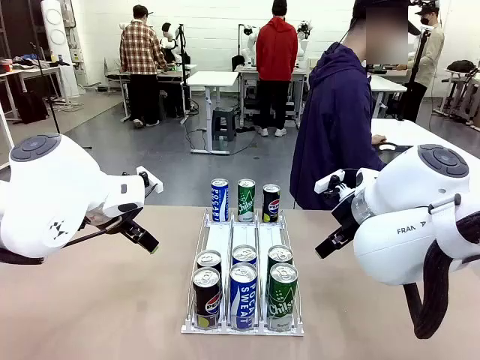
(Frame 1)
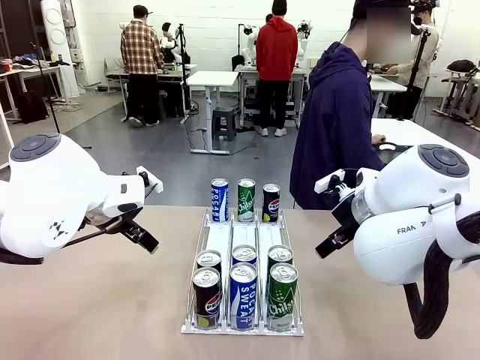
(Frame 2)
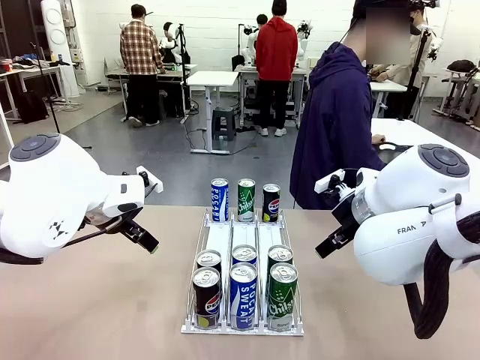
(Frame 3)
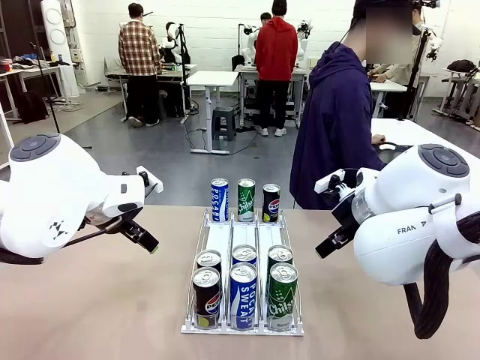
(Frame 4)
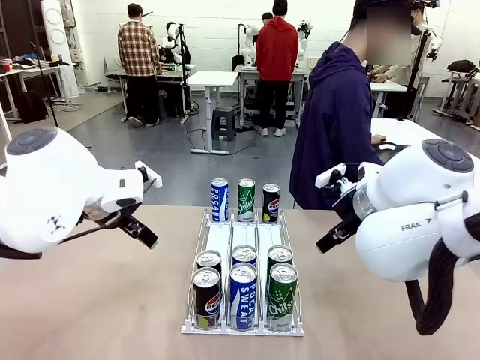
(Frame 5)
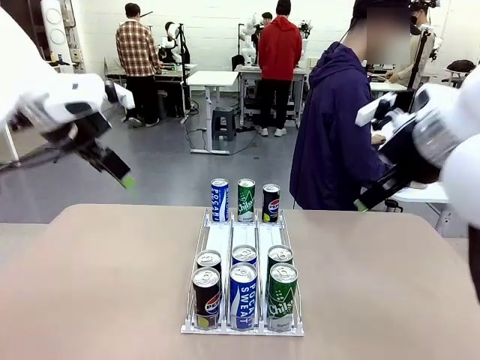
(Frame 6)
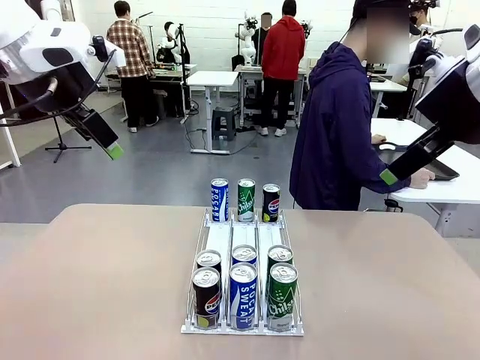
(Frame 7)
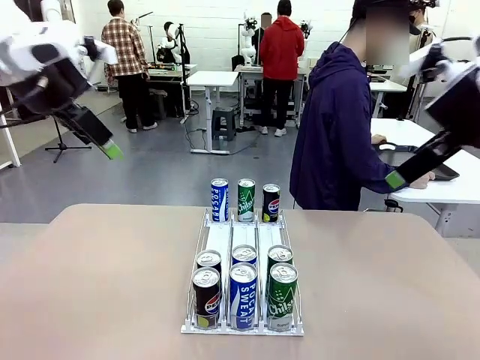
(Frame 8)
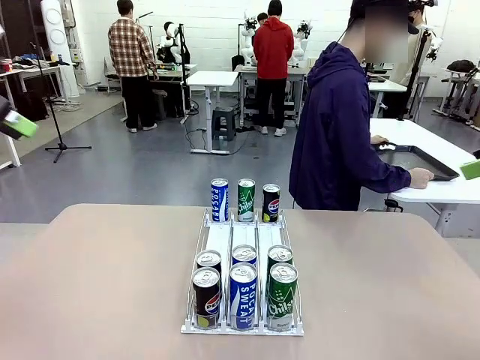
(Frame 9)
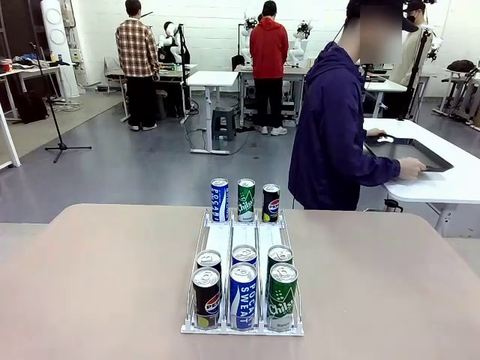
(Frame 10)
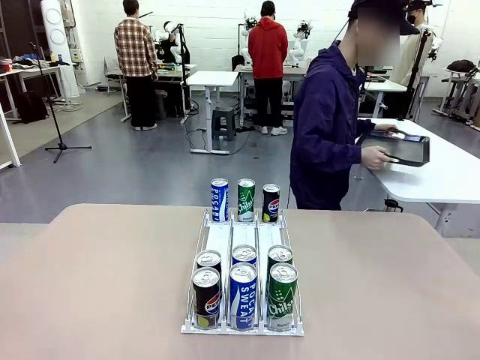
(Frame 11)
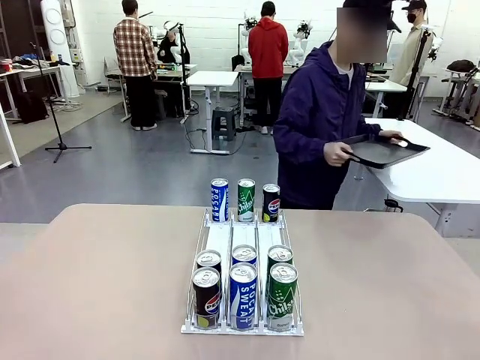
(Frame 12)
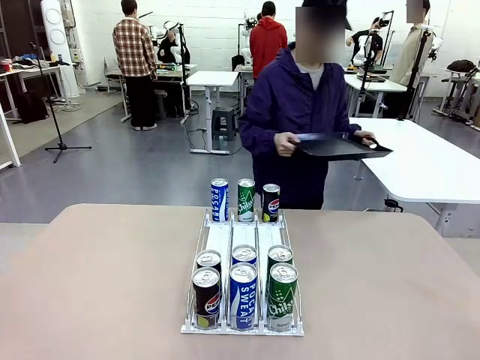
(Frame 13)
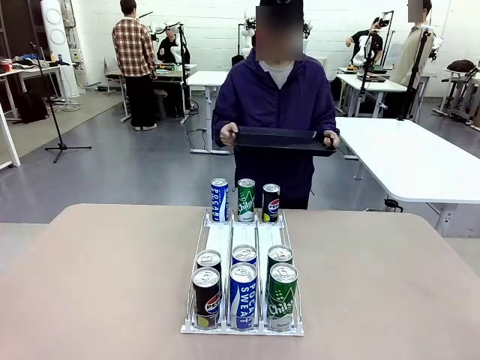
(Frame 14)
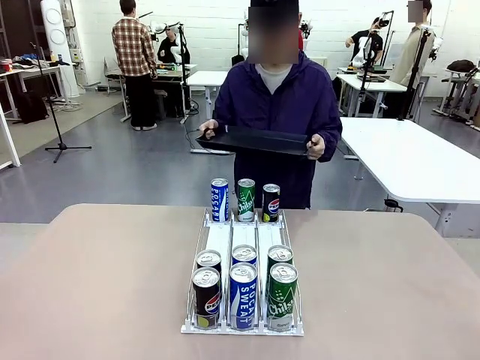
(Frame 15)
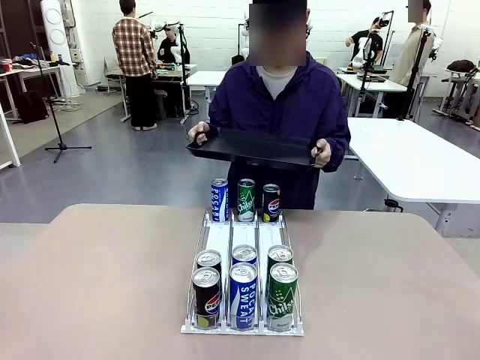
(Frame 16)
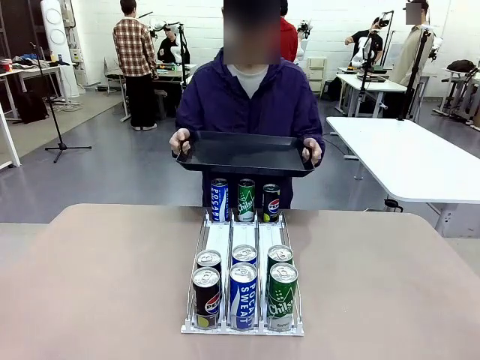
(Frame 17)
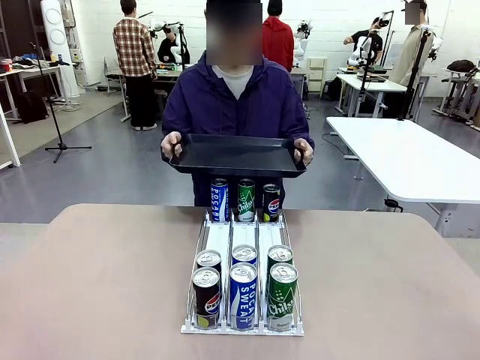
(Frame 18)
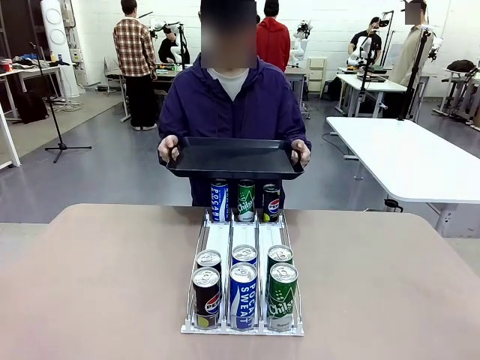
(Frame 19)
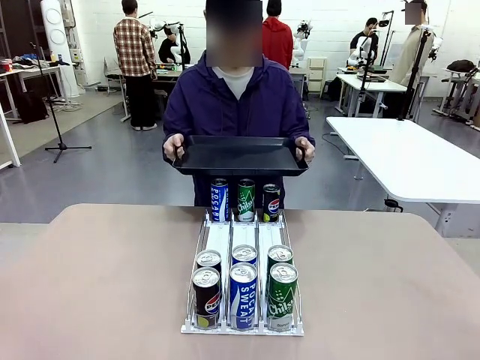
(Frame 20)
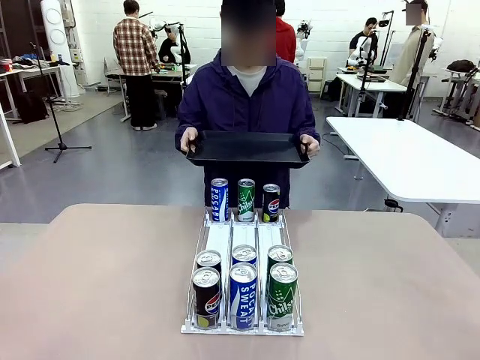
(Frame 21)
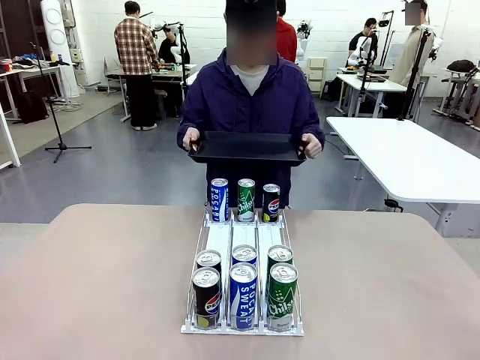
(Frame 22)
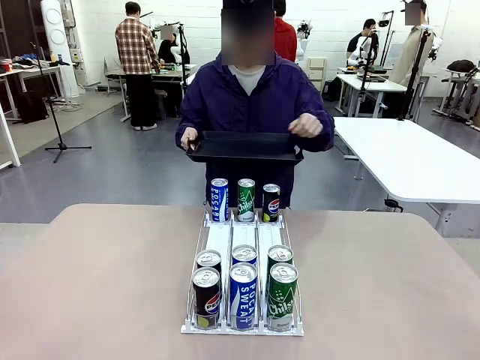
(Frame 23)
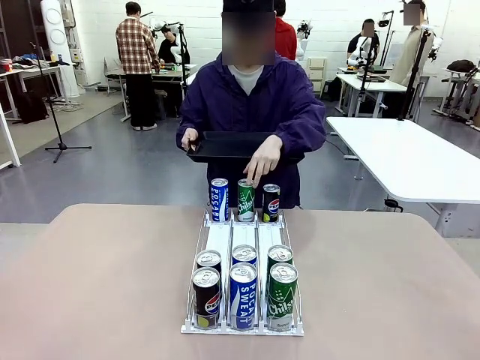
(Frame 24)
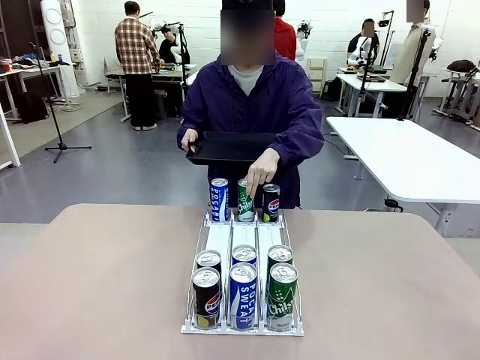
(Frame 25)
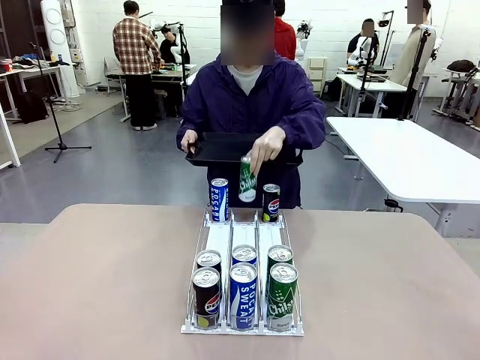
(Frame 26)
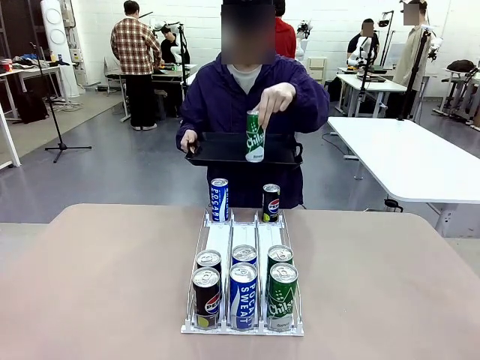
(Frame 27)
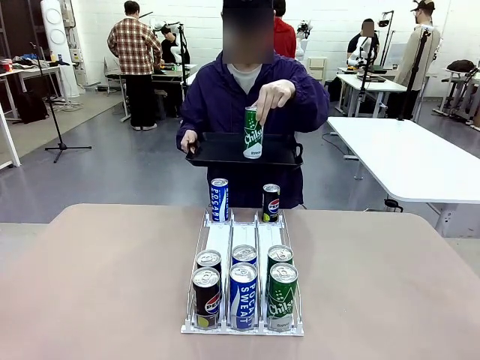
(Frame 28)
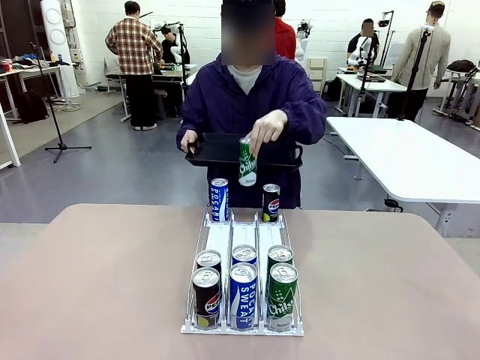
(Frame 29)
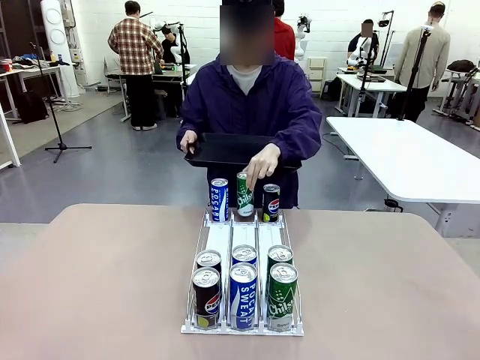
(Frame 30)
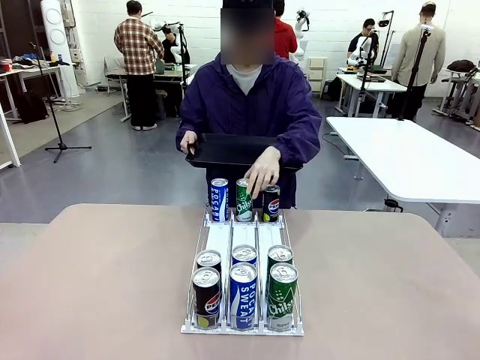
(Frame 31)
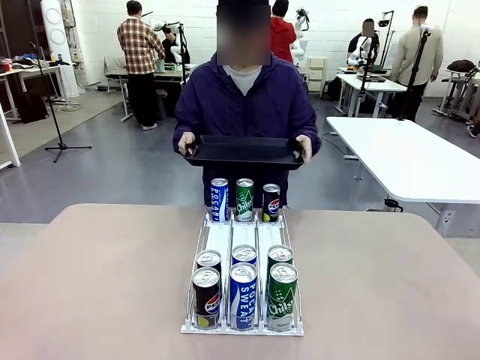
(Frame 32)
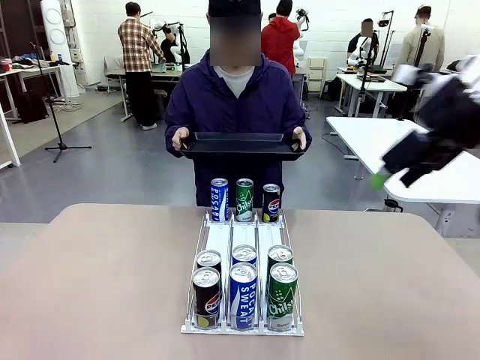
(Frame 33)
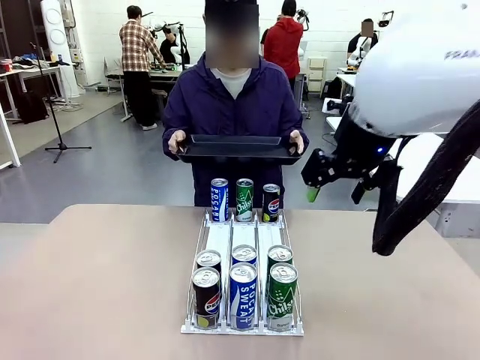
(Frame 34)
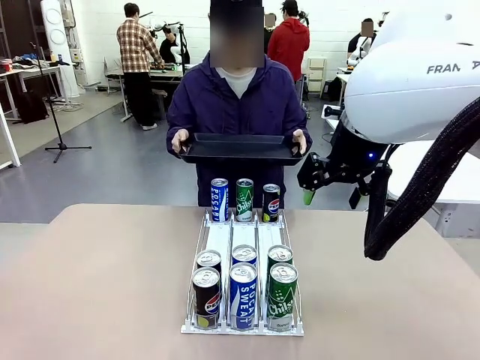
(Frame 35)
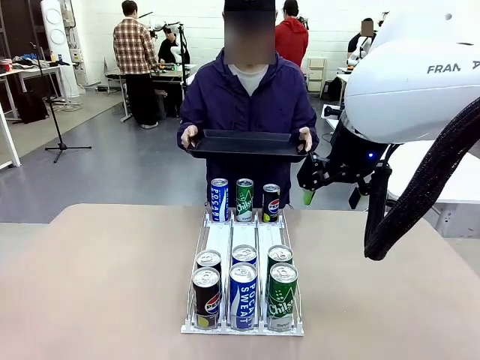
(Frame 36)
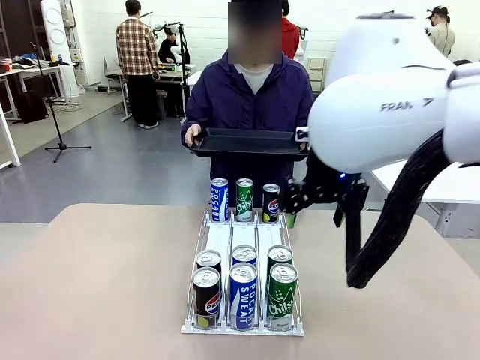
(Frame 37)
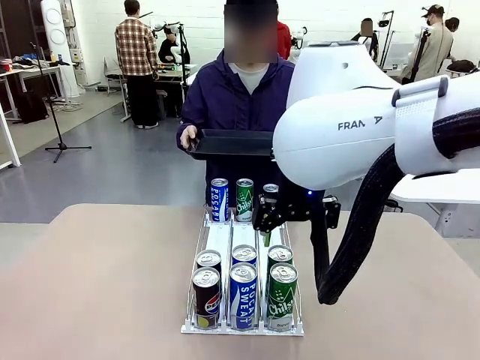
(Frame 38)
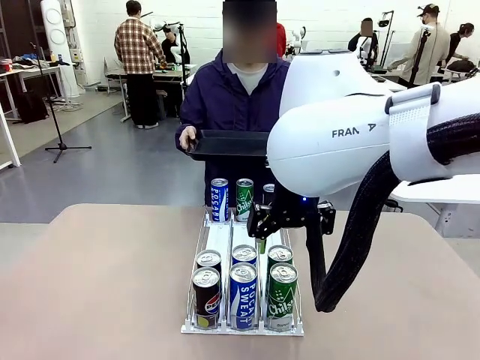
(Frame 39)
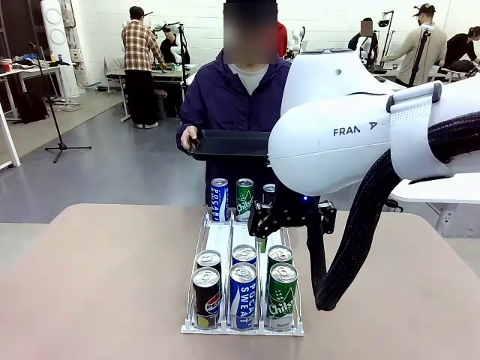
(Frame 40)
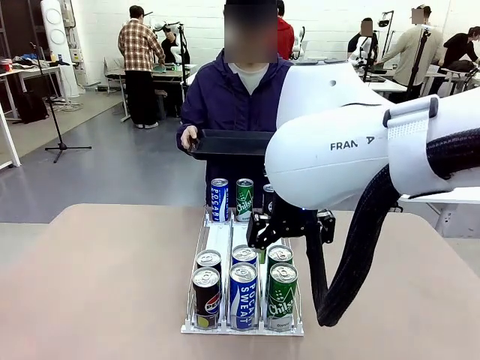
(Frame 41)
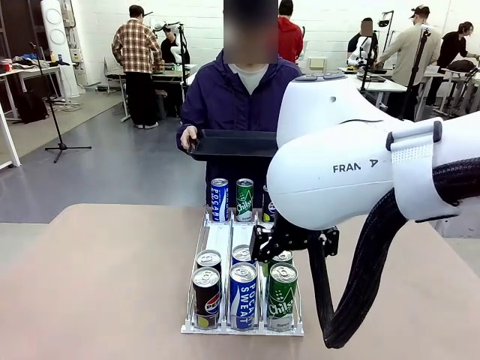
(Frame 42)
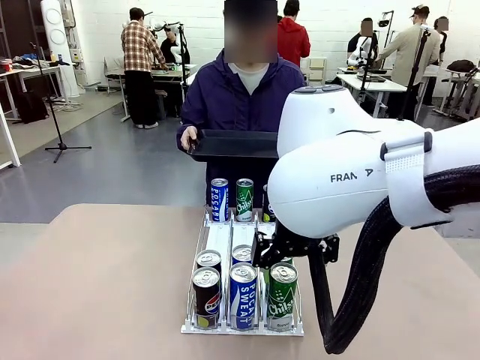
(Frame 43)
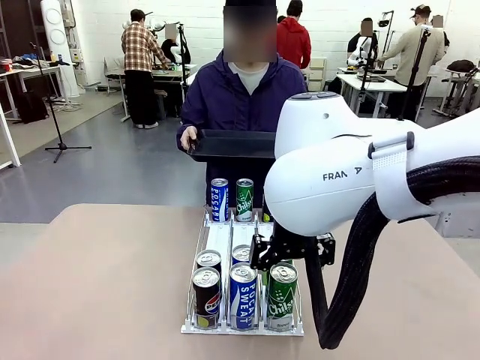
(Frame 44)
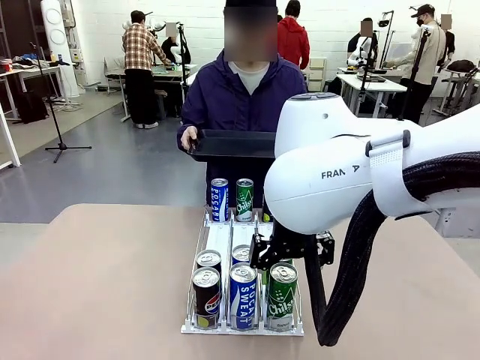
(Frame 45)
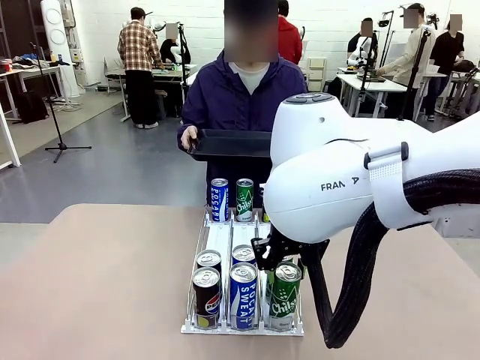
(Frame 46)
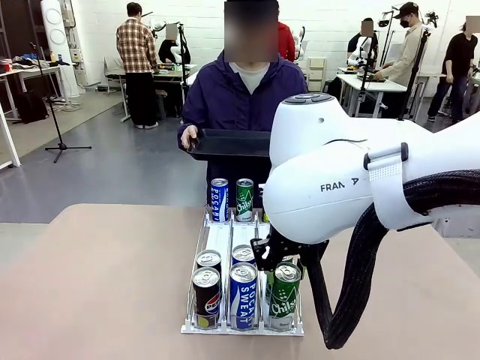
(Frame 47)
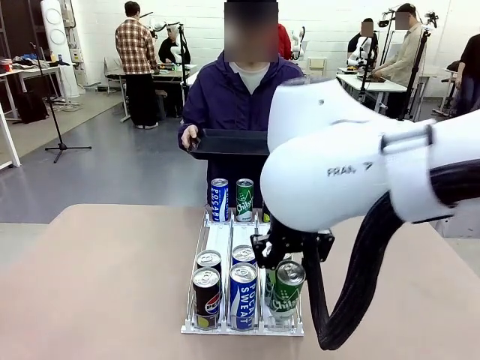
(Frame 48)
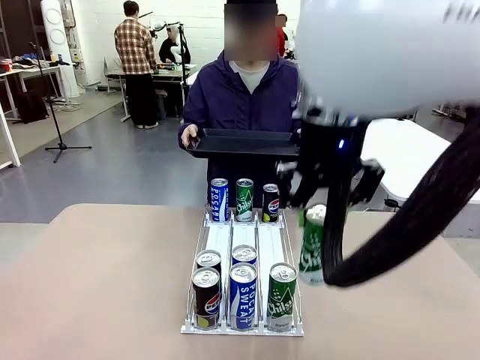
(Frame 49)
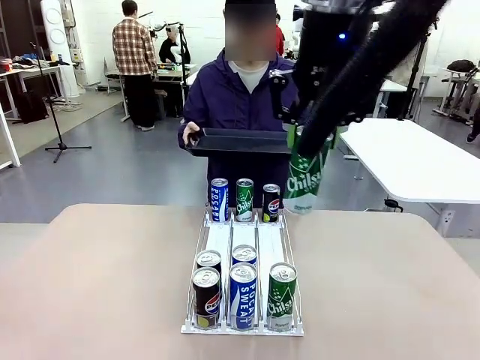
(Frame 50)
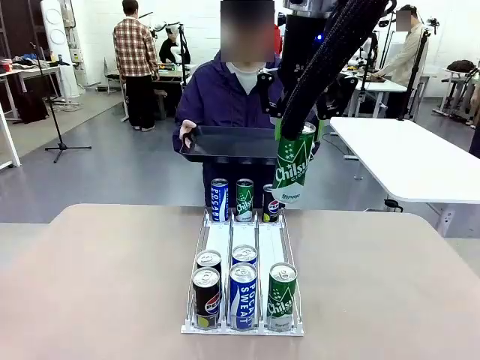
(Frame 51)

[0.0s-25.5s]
Task: Retrieve and hand over the desired beverage to the person.
Robot: Pick up a can of the same type that the person held from the Automatic Can Dispenser.
Person: Hold the tray and position yourself in front of the robot table. Pick up one can from the bottom area of the table and puts it back in its original place. Push the tray toward the robot.
